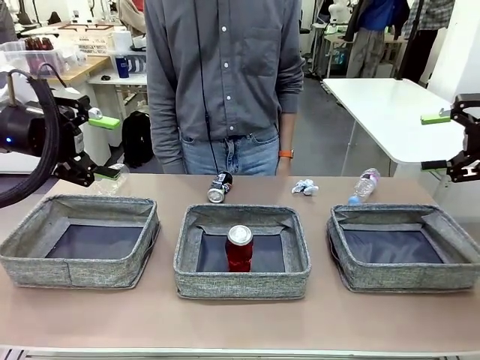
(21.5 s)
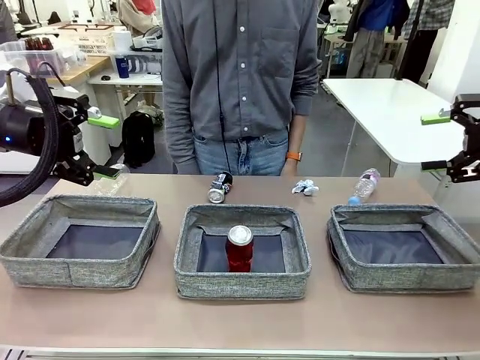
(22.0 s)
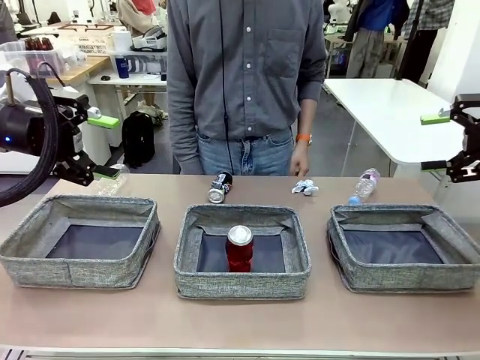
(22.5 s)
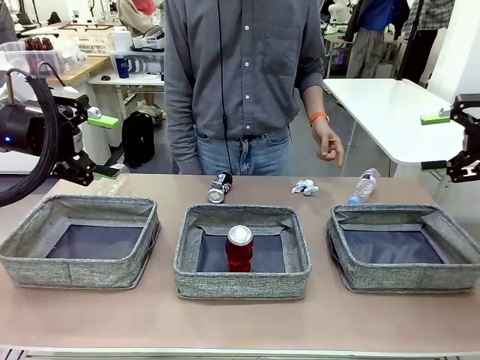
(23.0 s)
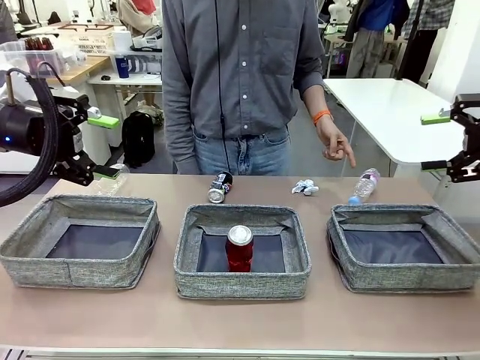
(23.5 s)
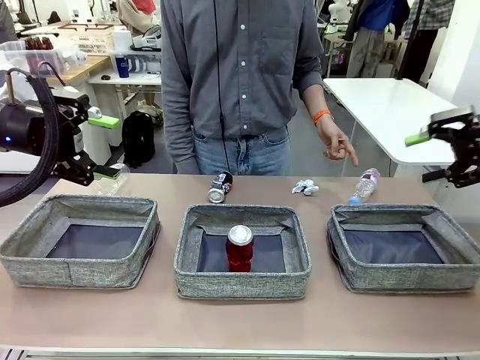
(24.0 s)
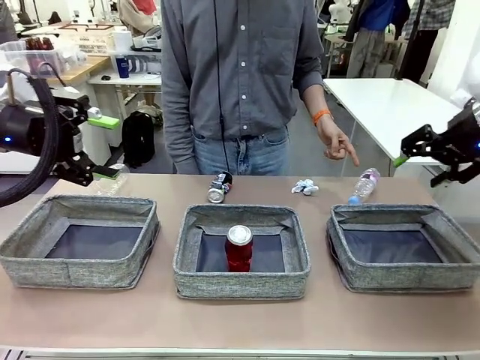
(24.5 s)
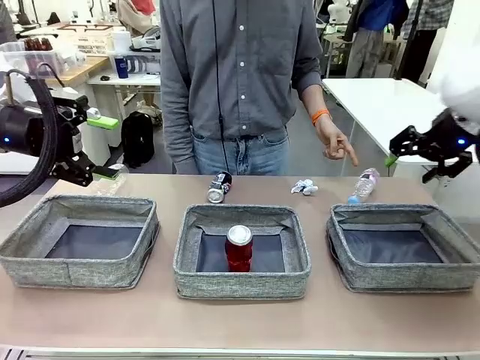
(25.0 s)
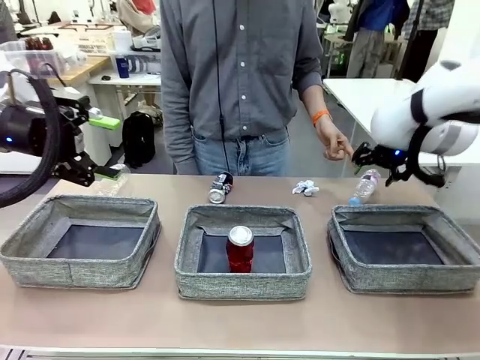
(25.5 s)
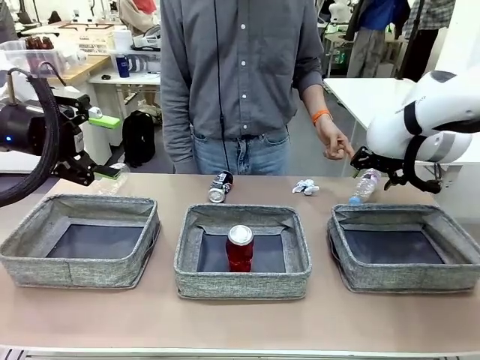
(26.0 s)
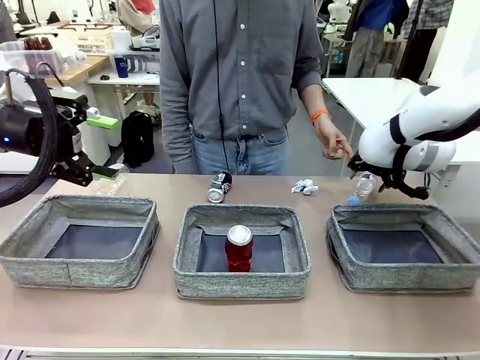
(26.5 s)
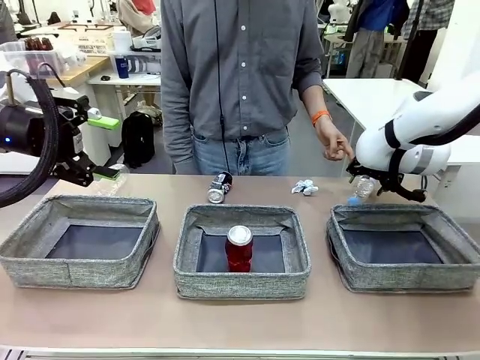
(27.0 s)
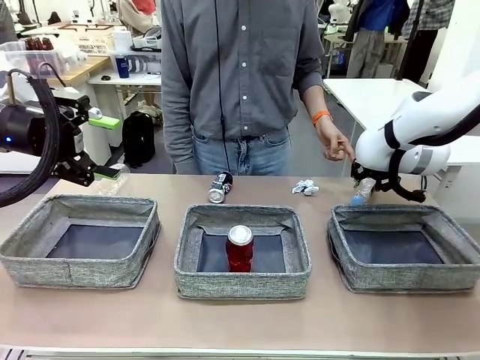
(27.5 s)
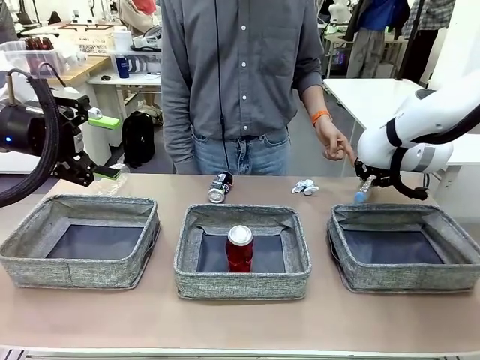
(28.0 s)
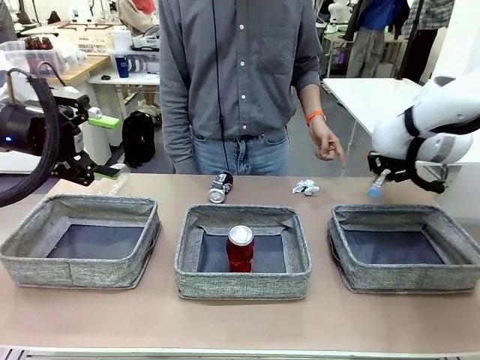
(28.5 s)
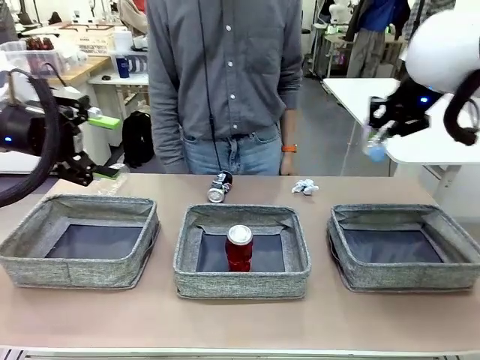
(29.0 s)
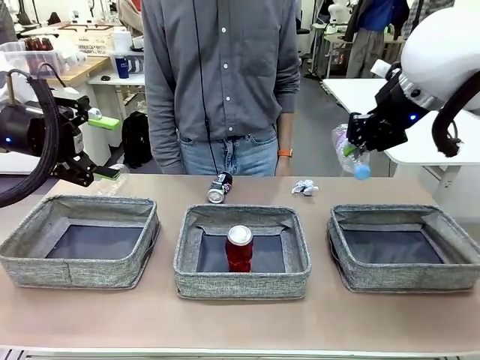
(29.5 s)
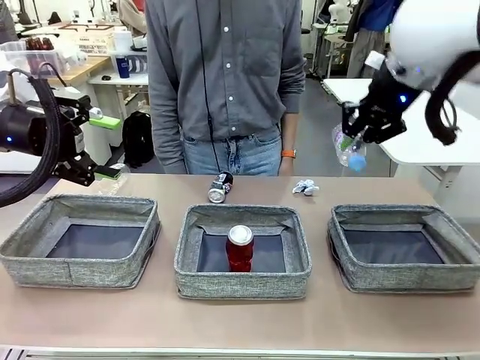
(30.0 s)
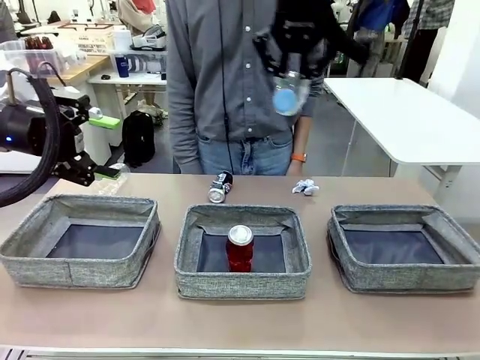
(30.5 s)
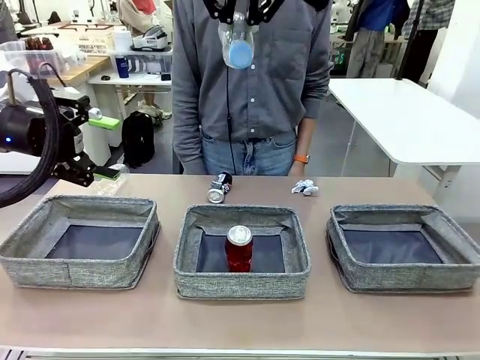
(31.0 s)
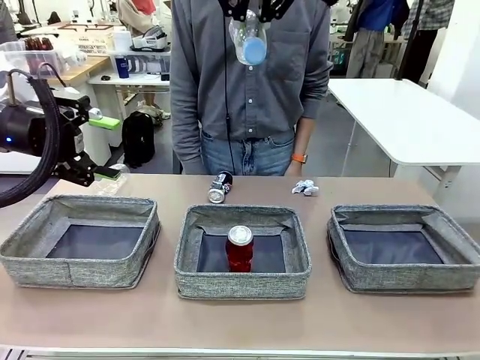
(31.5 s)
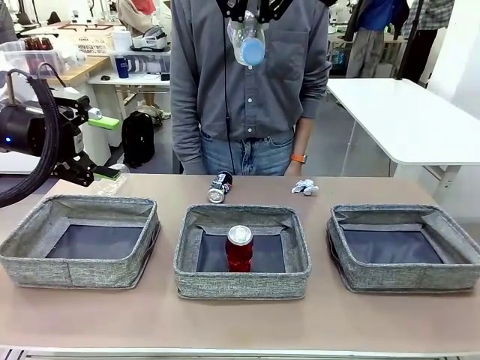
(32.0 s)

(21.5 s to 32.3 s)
Task: Sort the waste into the appropriate baskets.
Robot: Pick up the waste item pointed out by the person.
Person: Points to one piece of trash on the table.

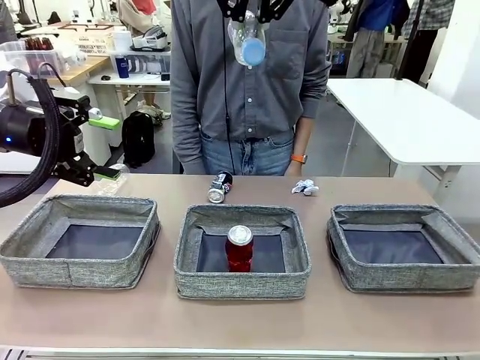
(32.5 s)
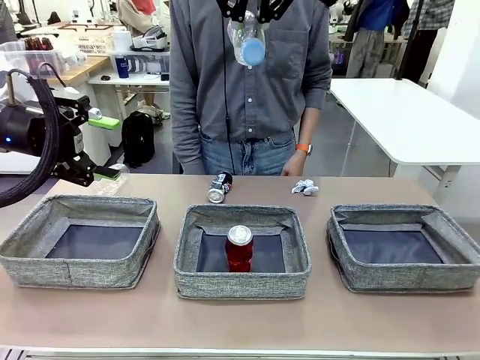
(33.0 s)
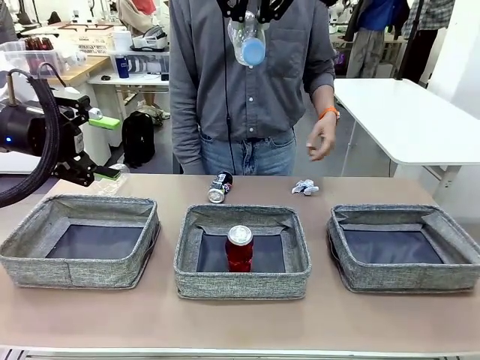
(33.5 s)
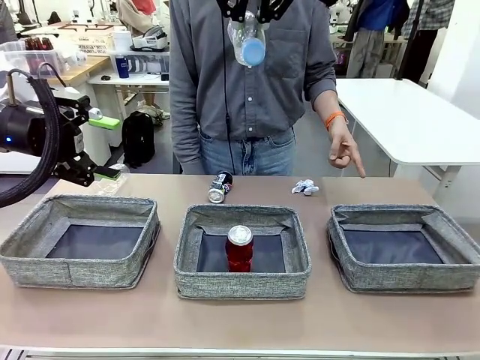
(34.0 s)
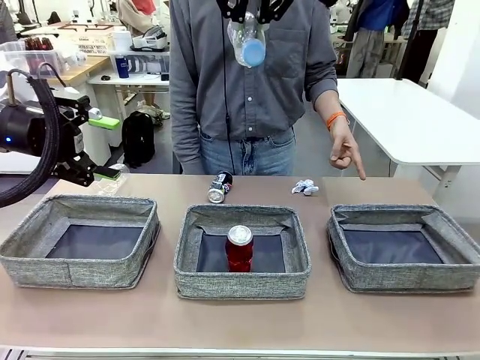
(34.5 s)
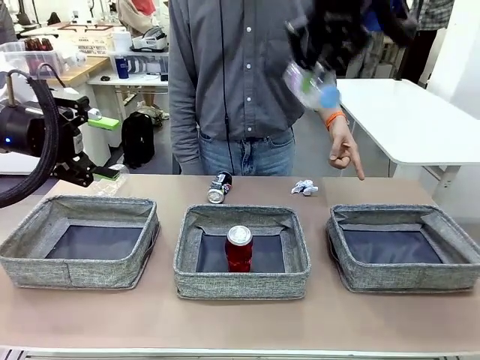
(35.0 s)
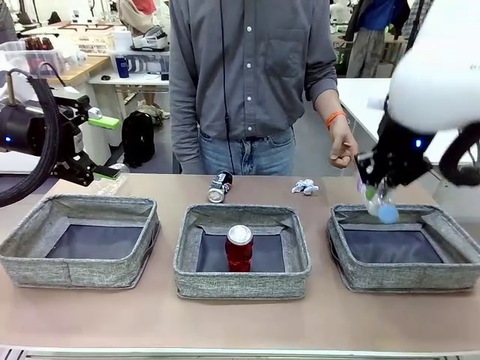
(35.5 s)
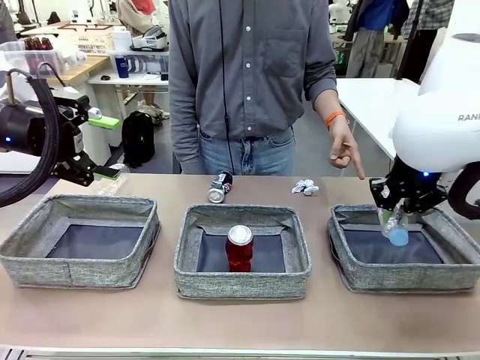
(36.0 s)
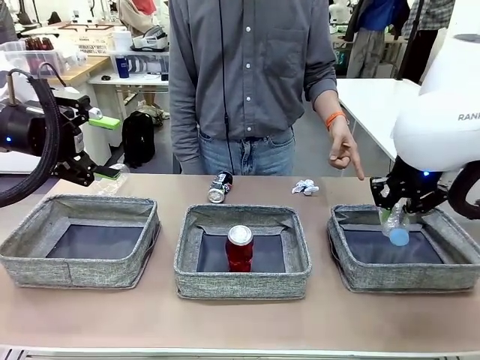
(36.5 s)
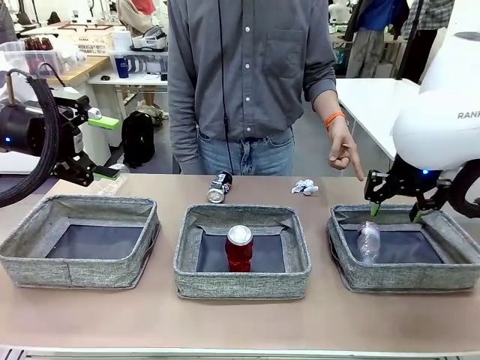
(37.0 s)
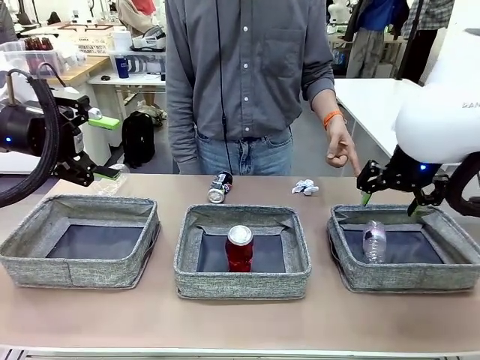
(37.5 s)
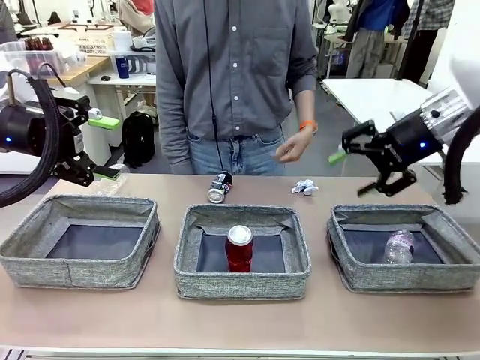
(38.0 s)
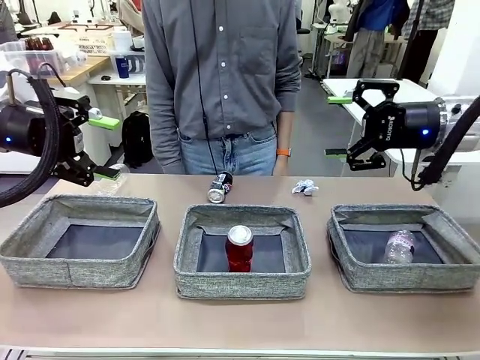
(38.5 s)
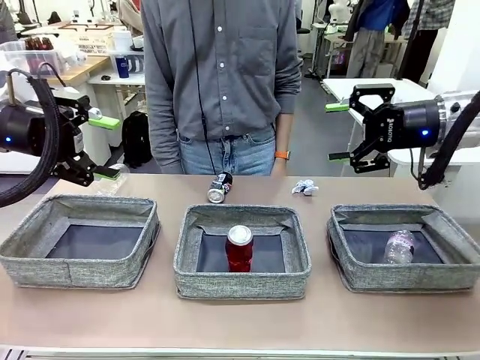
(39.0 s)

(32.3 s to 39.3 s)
Robot: Place the picked waste into the Fabric basket indicated by the person.
Person: Instructs the robot to place the picked-up trash into the appropriate organizing basket.

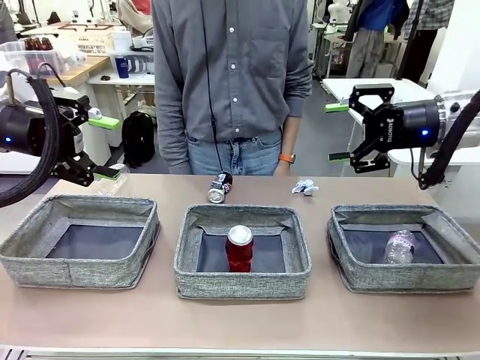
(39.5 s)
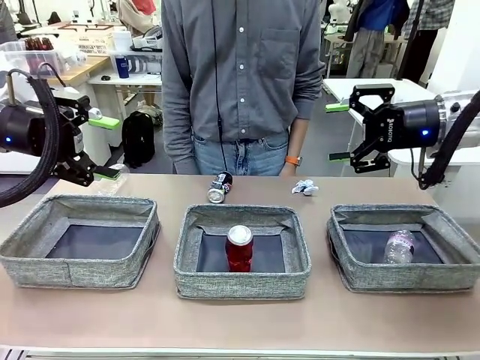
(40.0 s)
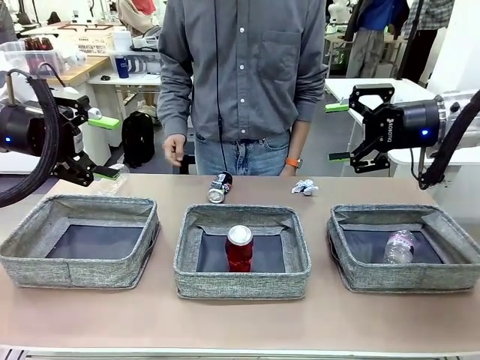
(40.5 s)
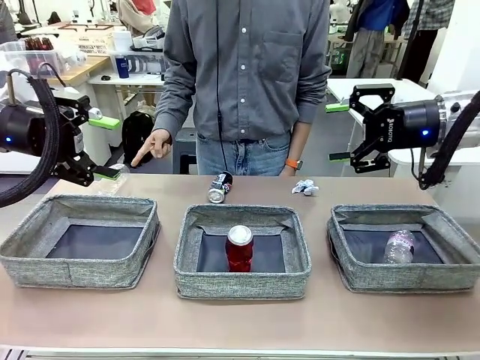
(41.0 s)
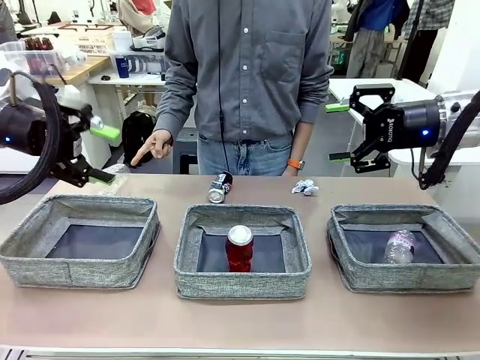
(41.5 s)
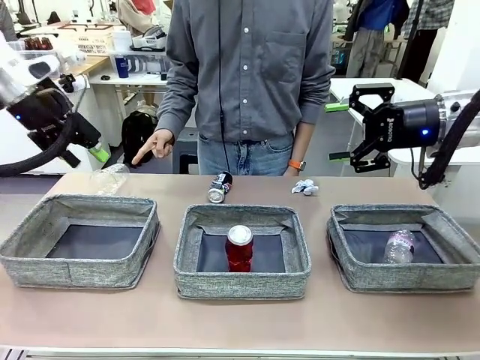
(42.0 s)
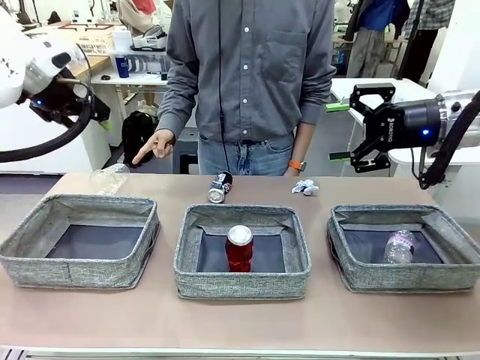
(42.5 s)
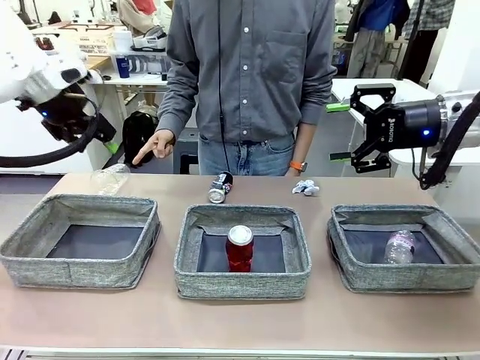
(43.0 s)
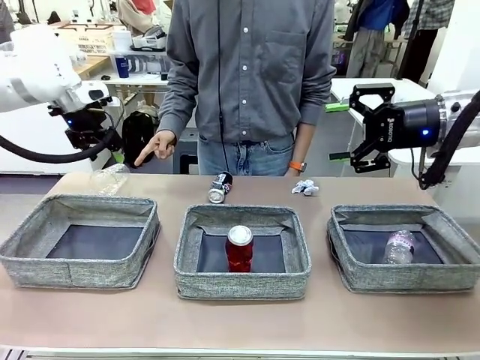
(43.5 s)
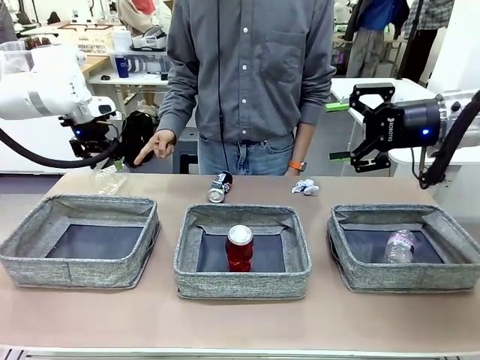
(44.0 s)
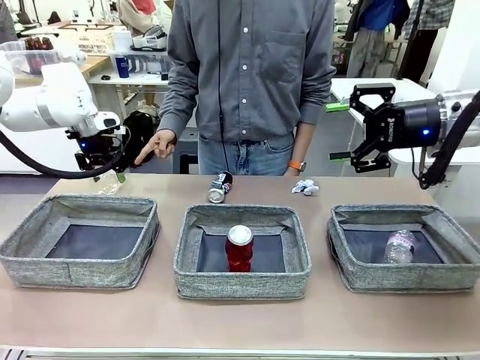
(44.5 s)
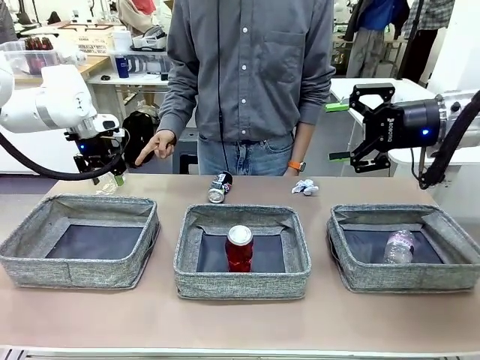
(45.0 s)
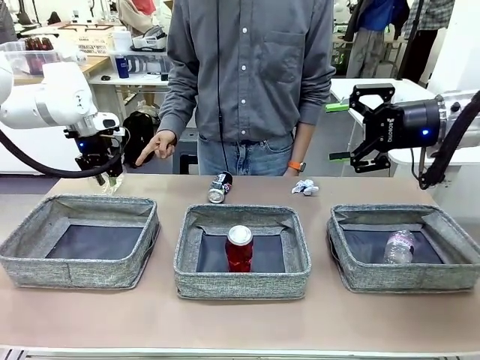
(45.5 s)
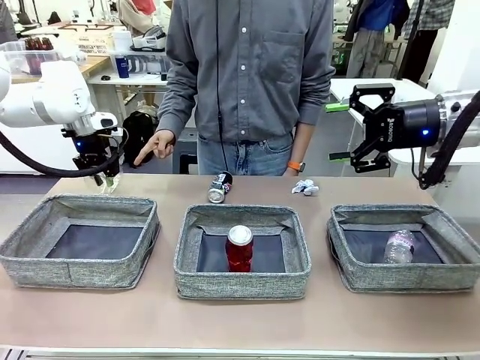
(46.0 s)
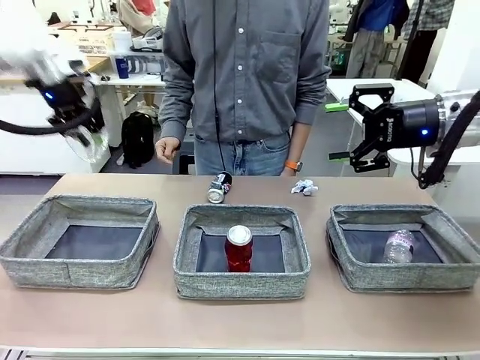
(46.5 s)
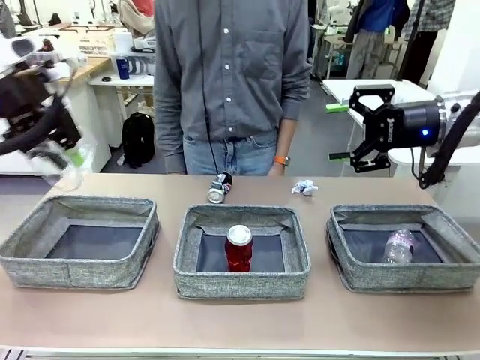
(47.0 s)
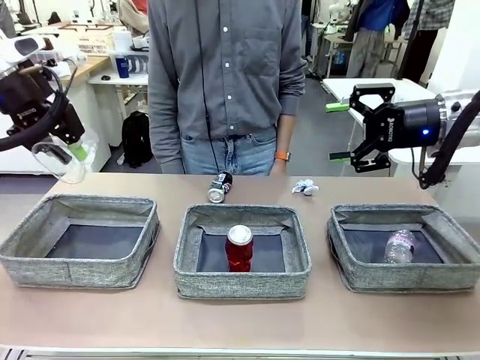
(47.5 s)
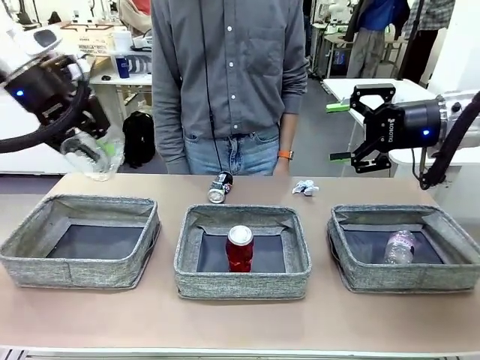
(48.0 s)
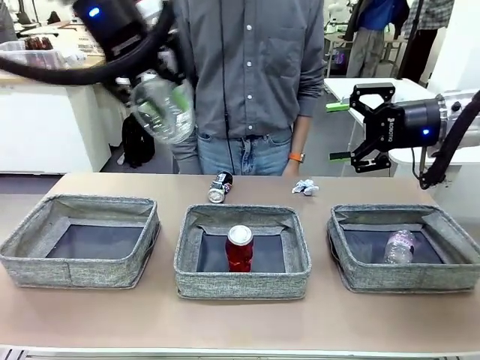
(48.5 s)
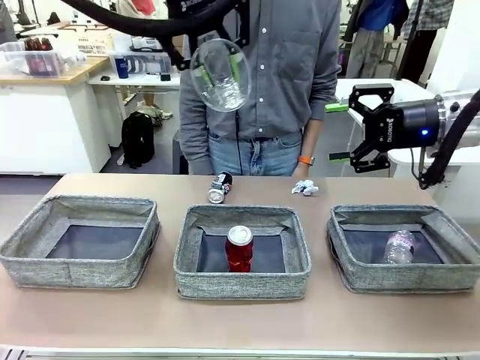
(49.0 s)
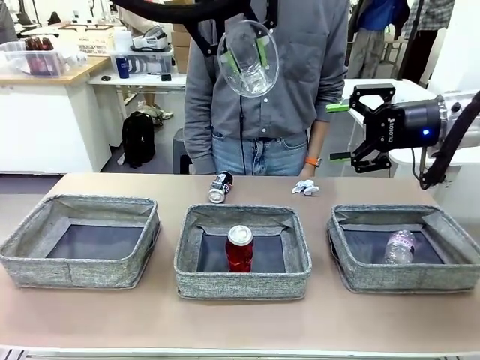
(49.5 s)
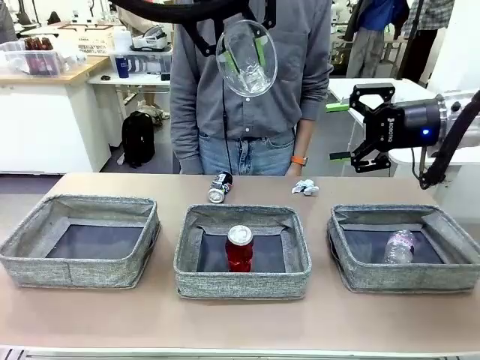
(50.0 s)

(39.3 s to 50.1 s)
Robot: Pick up the waste item pointed out by the person.
Person: Points to one piece of trash on the table.
